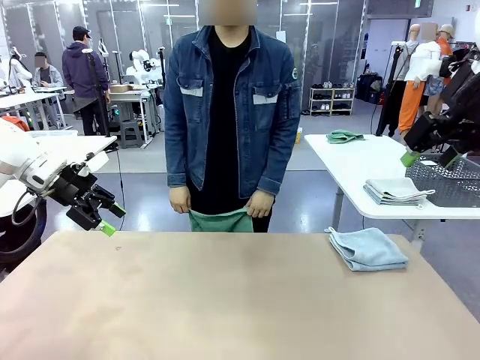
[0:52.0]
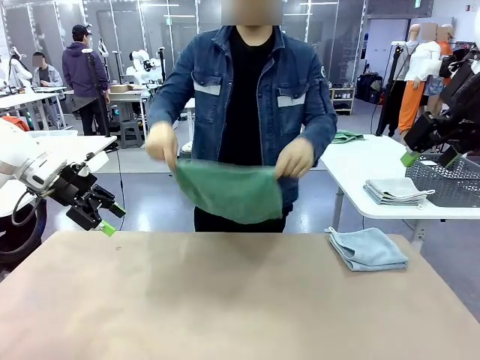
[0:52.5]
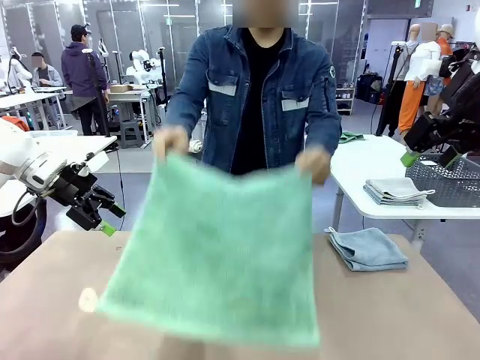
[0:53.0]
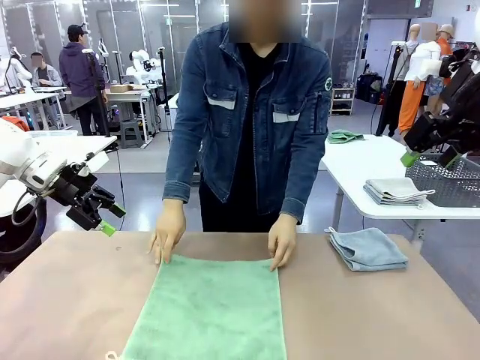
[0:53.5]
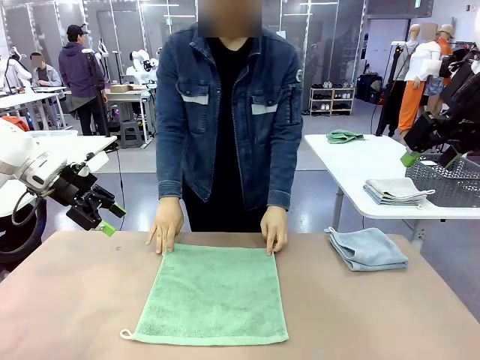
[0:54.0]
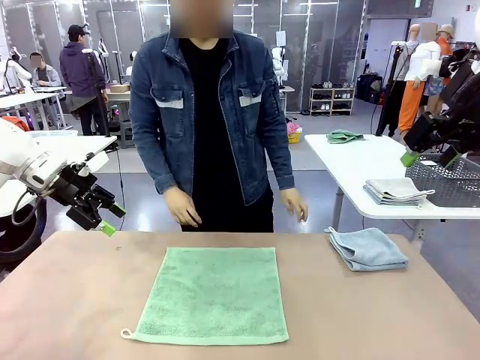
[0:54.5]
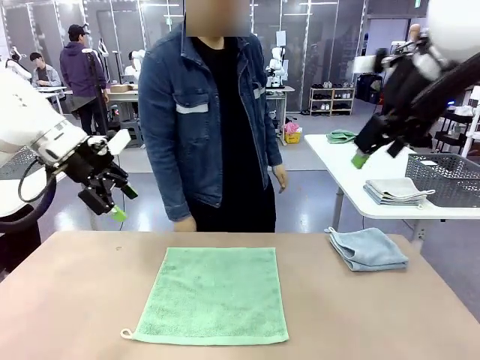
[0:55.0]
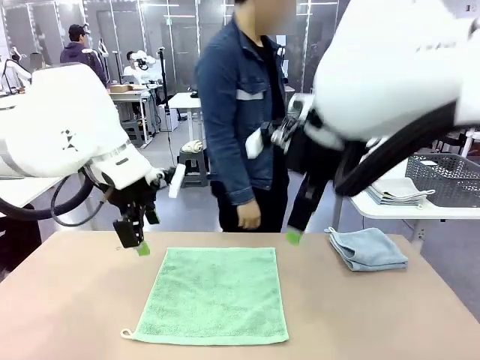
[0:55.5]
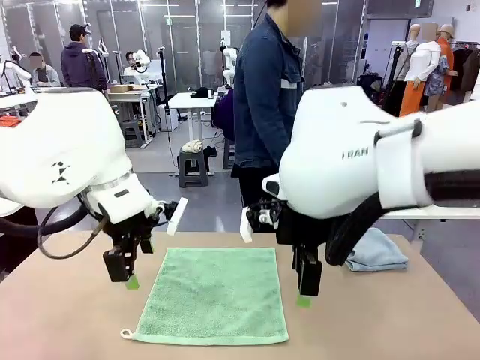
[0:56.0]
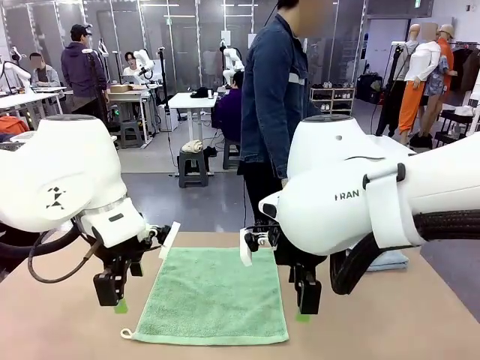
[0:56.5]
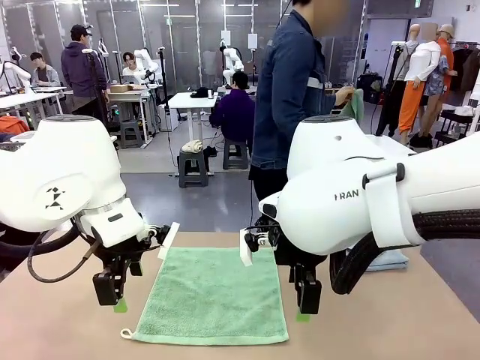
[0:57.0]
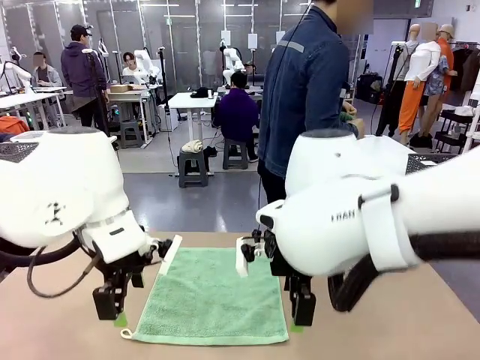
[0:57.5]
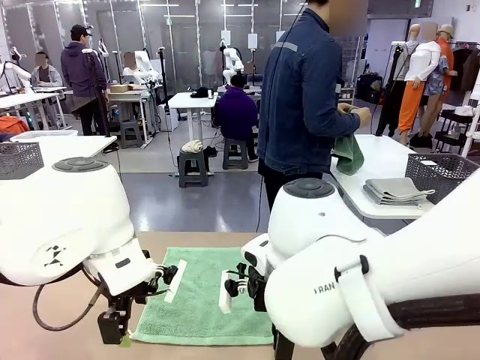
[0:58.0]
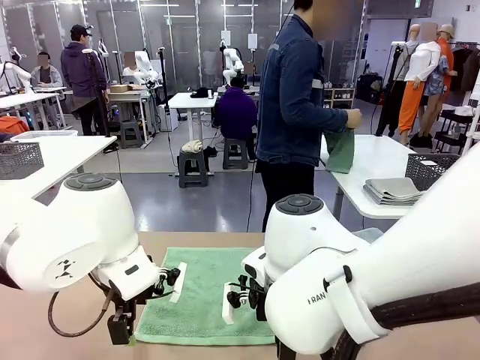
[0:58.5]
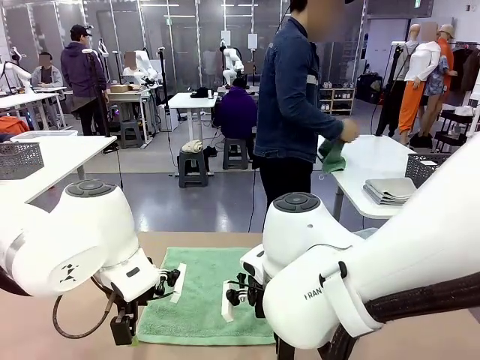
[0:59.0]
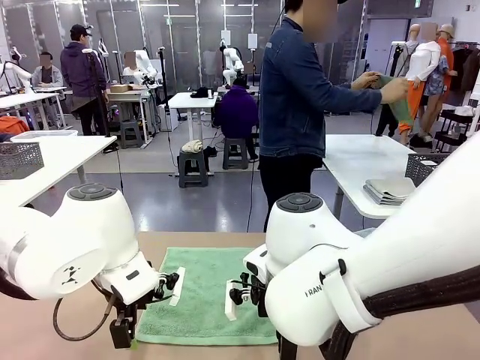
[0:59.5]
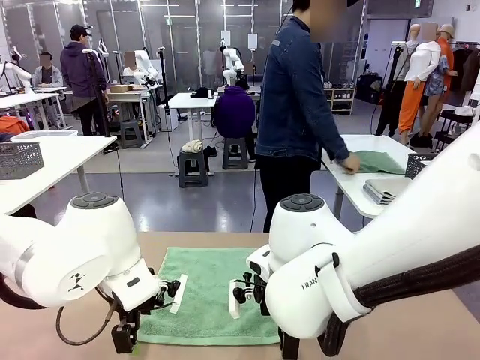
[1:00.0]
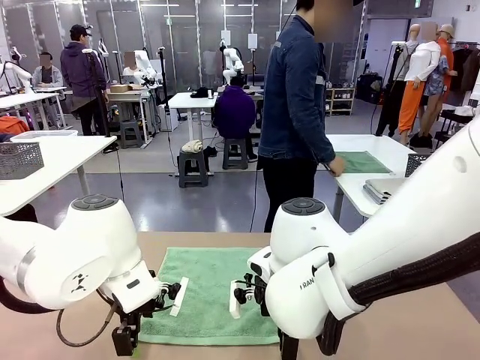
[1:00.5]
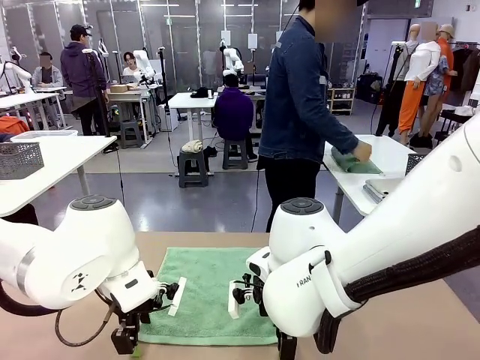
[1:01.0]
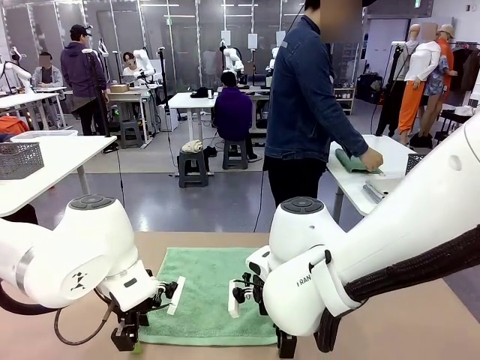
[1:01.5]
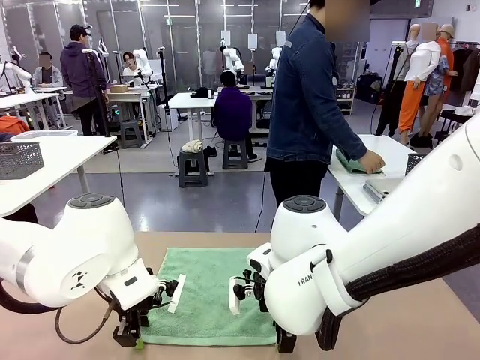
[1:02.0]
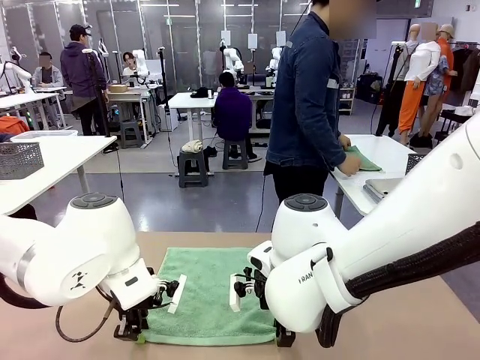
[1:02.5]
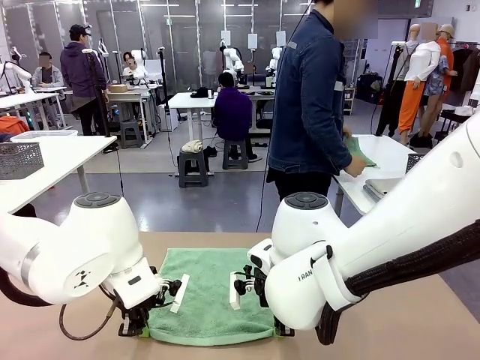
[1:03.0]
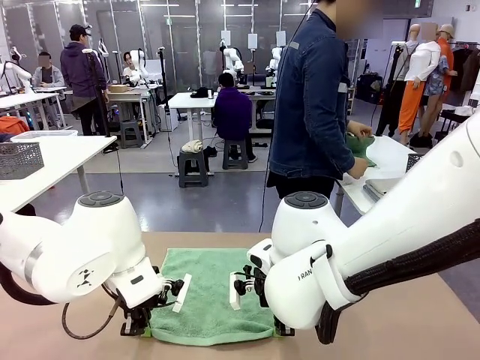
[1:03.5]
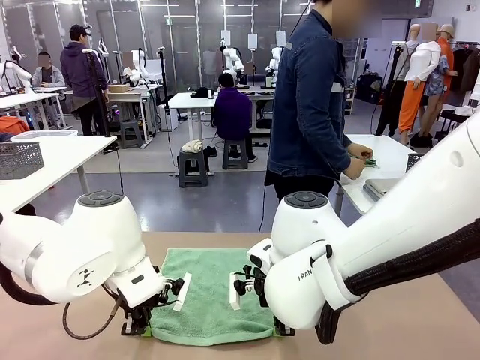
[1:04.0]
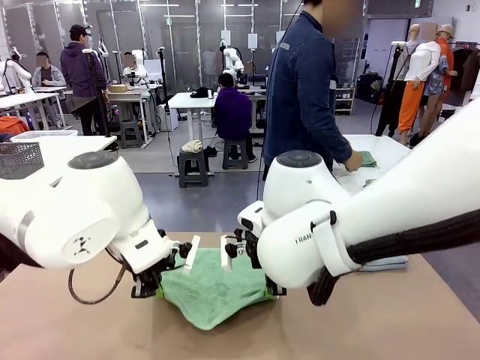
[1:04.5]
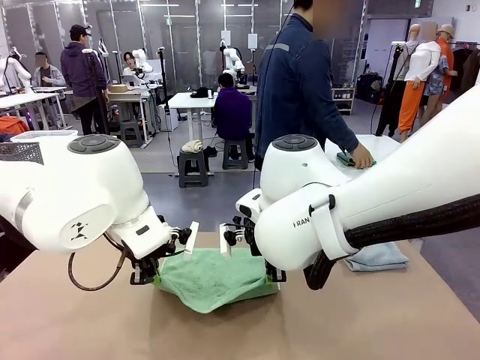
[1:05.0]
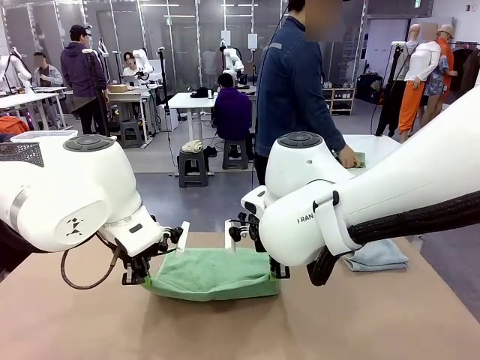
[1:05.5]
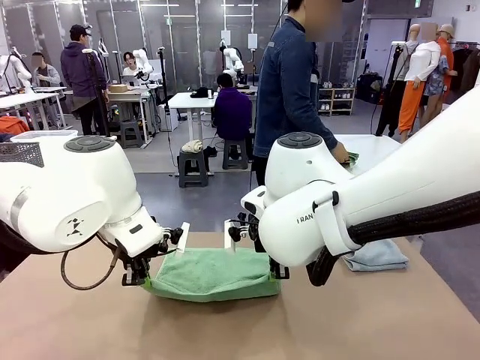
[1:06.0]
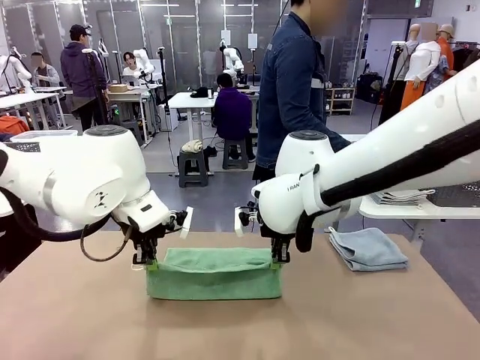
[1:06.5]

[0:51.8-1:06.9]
Task: Fold the towels and place them in the basket.
Robot: When a person lays out a Towel with hook on the table, fold it in half twice.
Person: Pick up one towel from the left side of the human table, fold it in half twice, and stack it on the right side of the table.

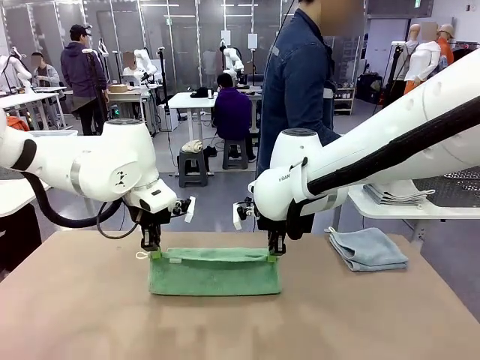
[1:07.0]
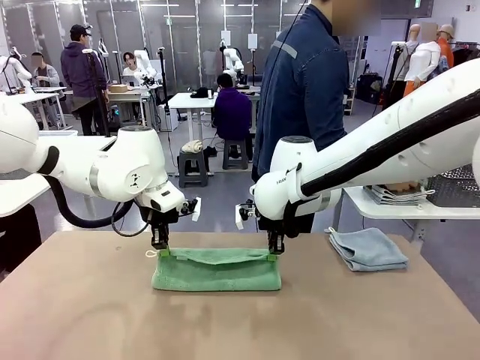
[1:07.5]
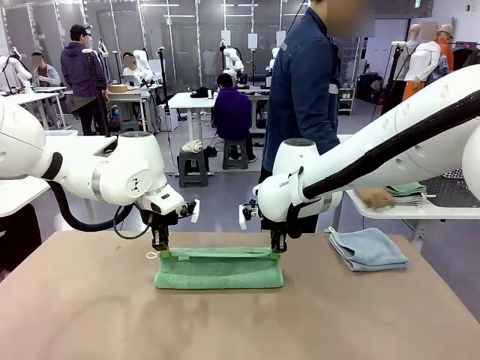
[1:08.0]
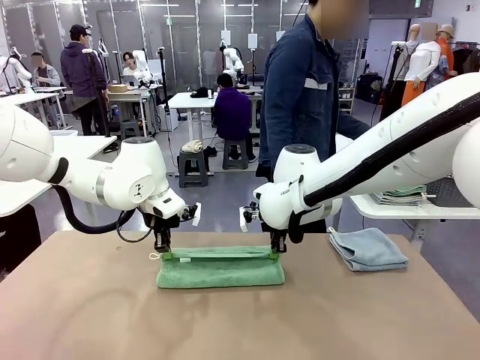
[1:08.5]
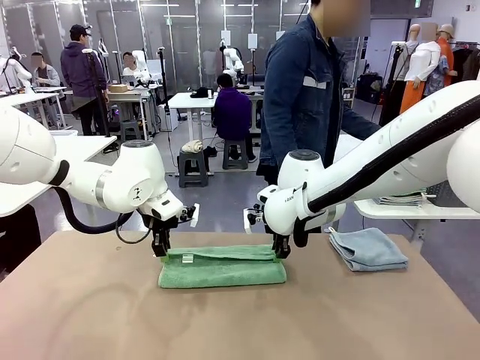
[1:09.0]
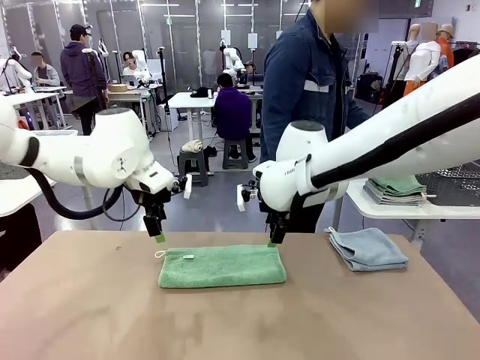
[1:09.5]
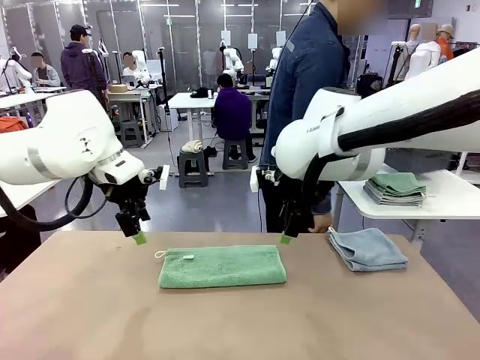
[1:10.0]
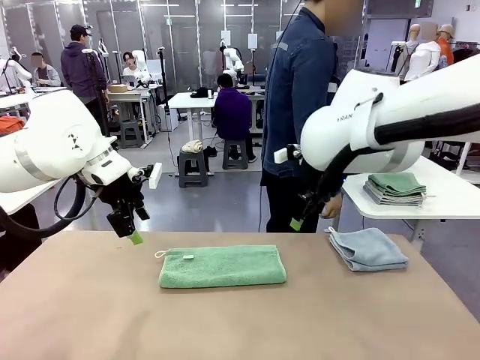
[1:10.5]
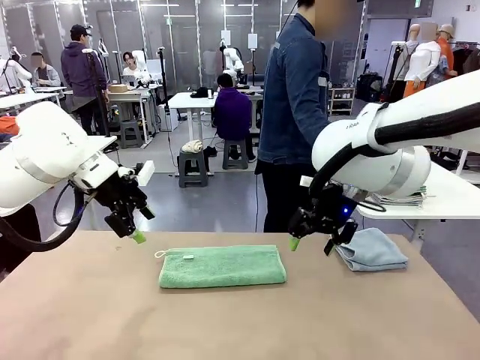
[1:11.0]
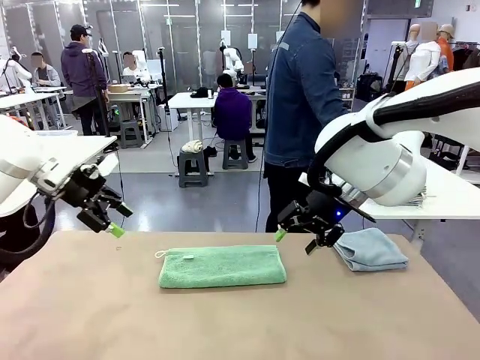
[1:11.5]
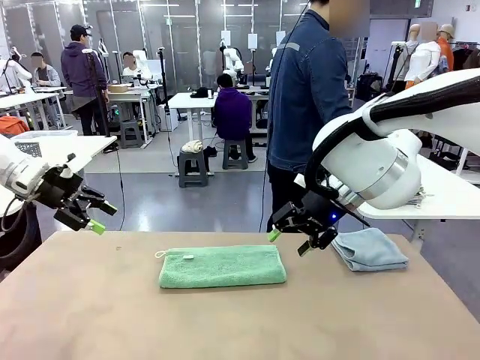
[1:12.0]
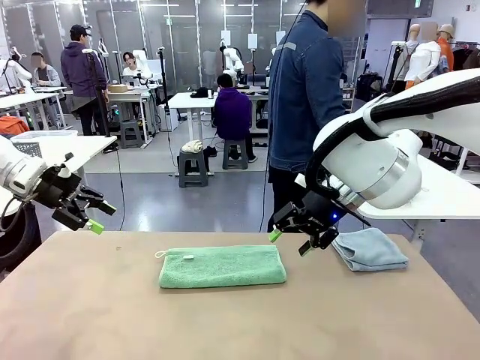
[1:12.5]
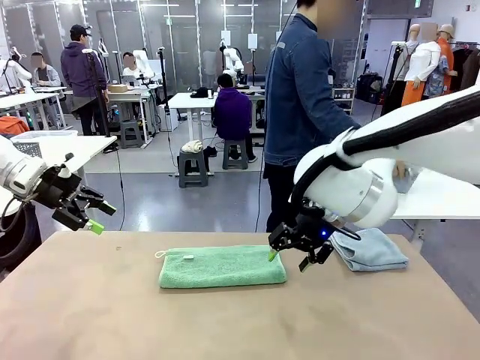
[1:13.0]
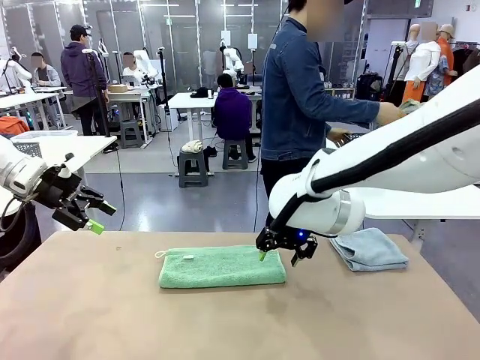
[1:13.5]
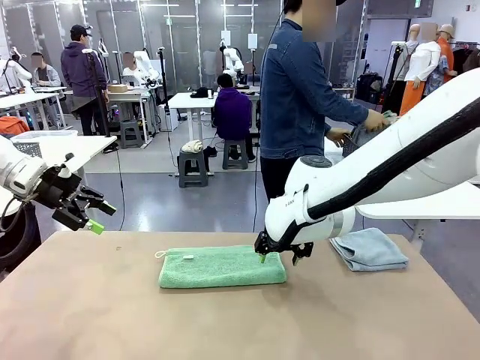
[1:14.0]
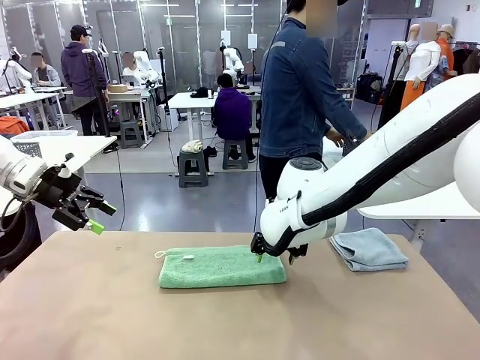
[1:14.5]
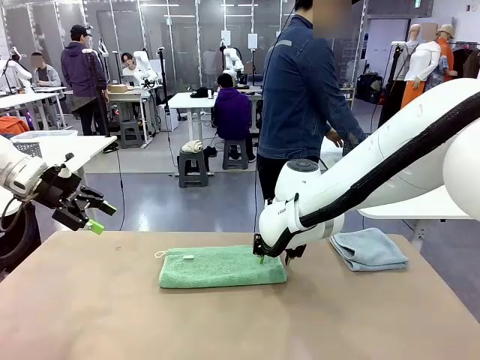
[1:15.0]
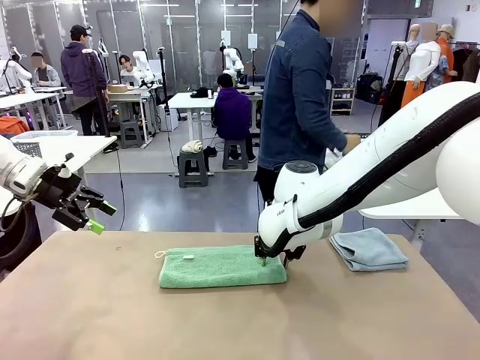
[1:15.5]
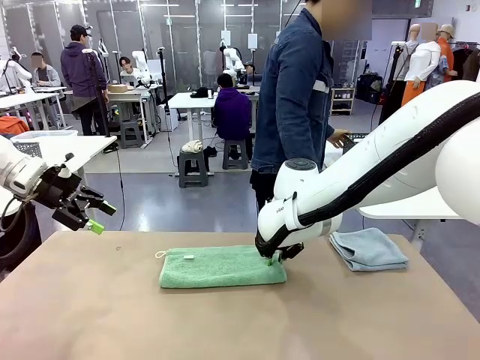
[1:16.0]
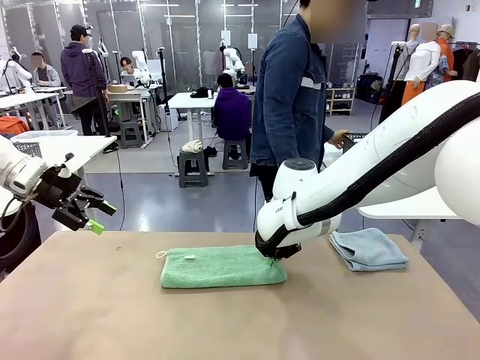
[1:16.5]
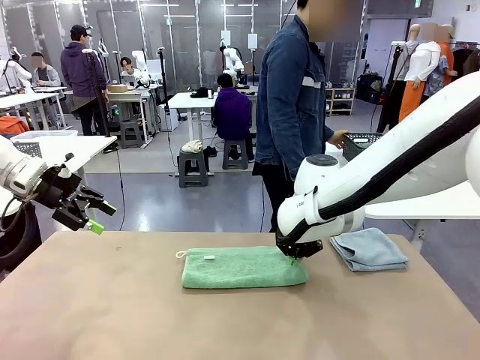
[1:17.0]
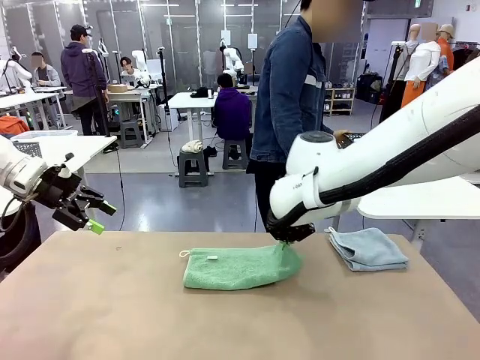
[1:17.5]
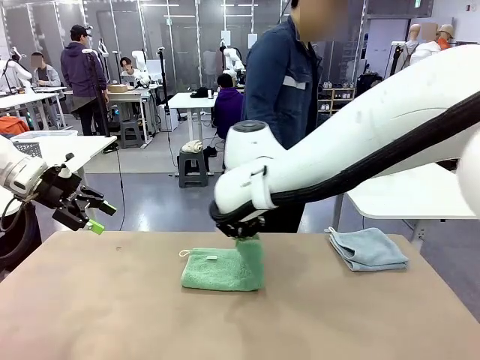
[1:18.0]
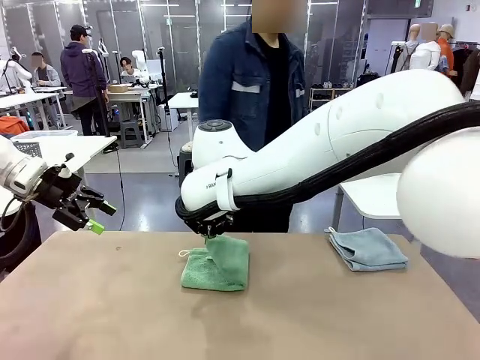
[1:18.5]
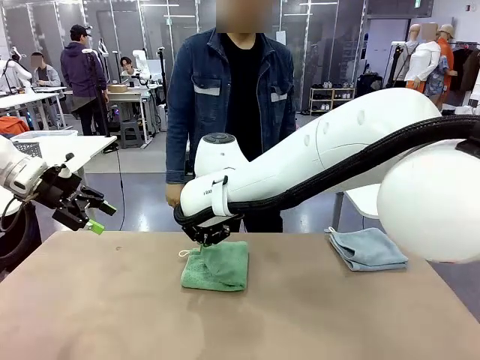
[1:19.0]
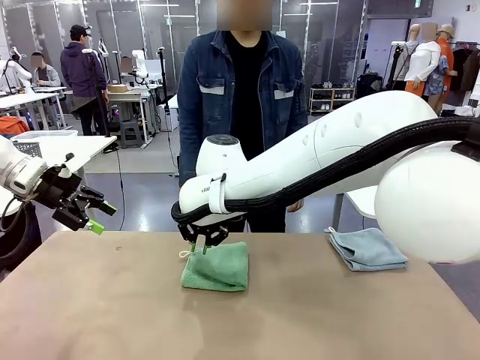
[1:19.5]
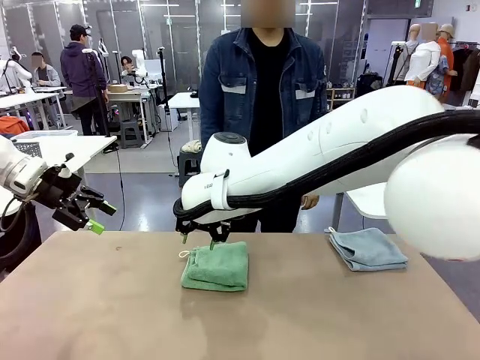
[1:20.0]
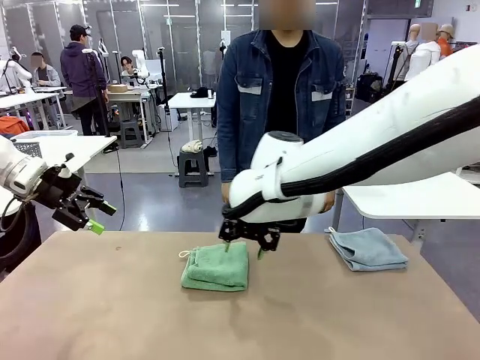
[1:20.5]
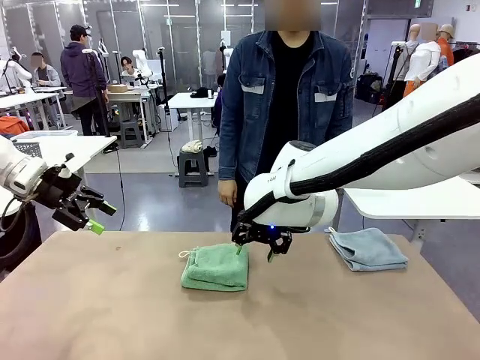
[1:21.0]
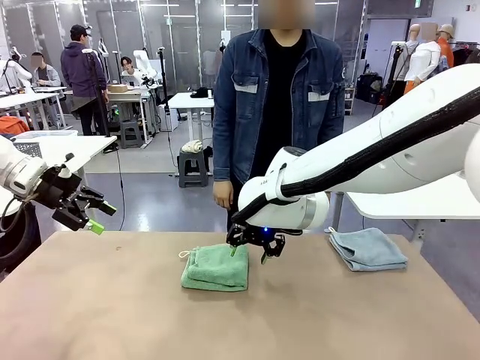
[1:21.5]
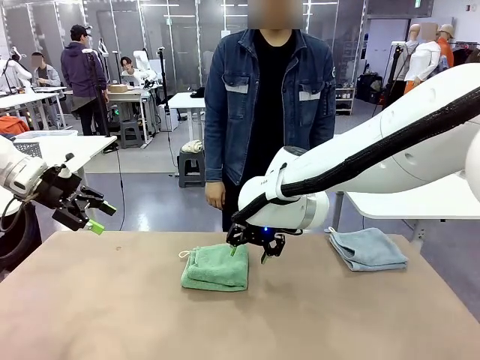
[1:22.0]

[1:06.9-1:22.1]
Robot: When a person lays out a Towel with hook on the table, fold it in half twice.
Person: Pick up the stack of towels from the right side of the human table, place it into the basket, and put the basket at the center of the table.
